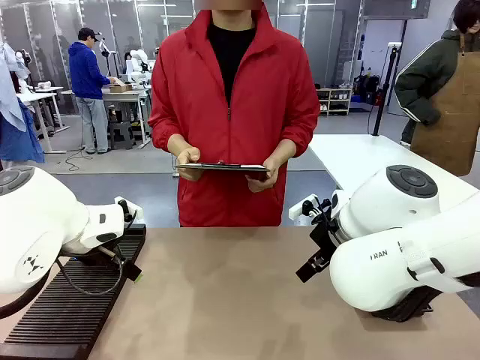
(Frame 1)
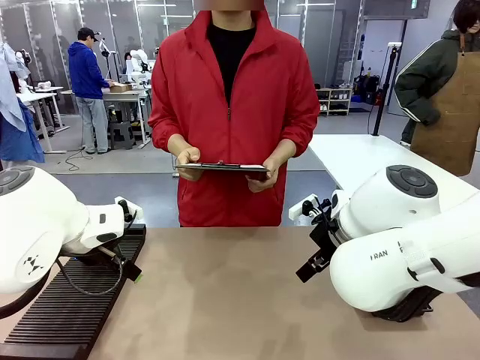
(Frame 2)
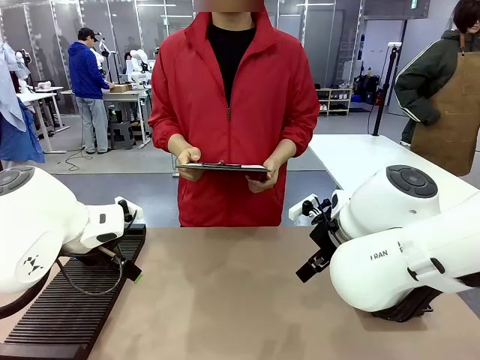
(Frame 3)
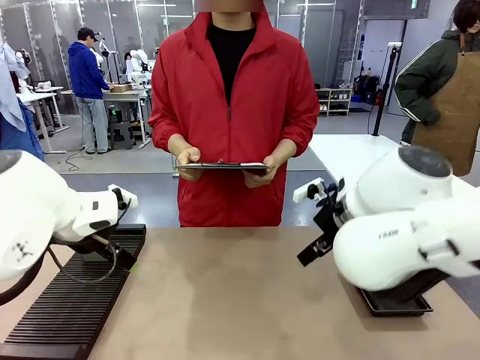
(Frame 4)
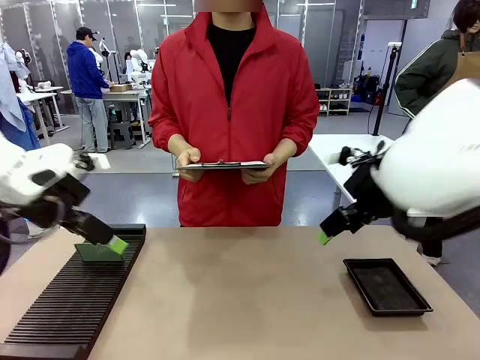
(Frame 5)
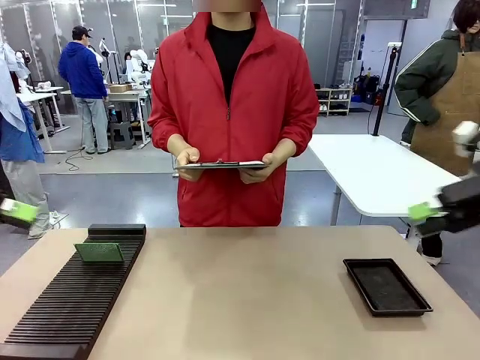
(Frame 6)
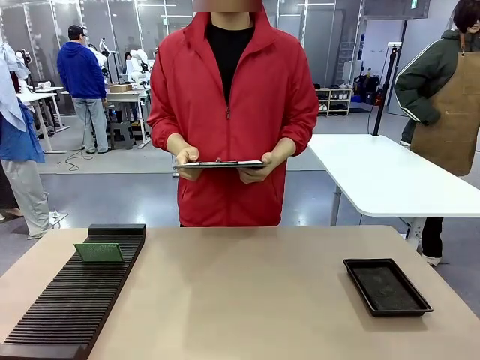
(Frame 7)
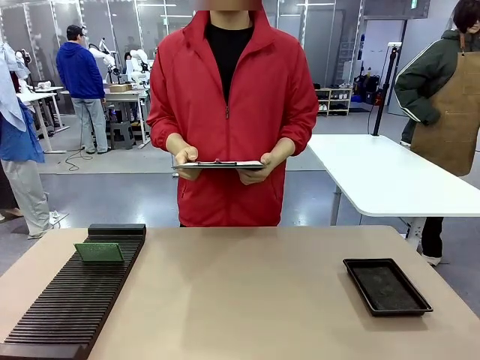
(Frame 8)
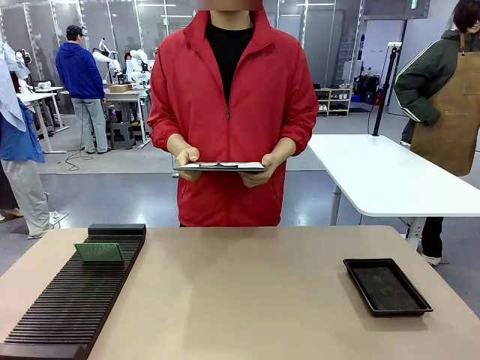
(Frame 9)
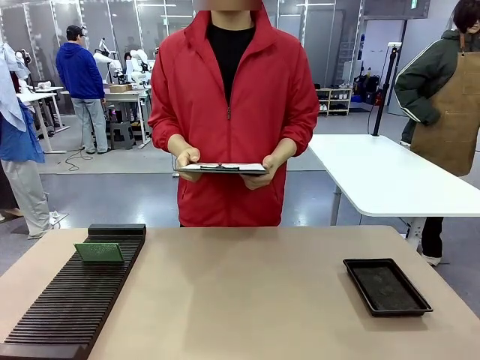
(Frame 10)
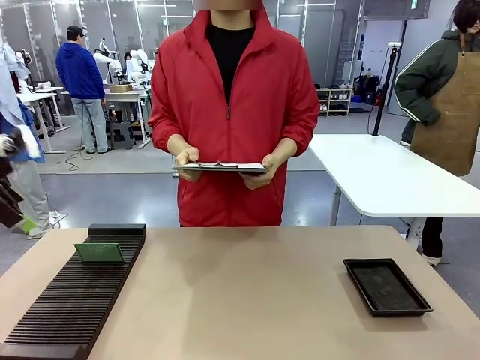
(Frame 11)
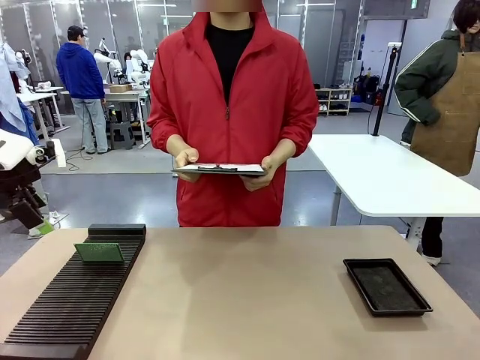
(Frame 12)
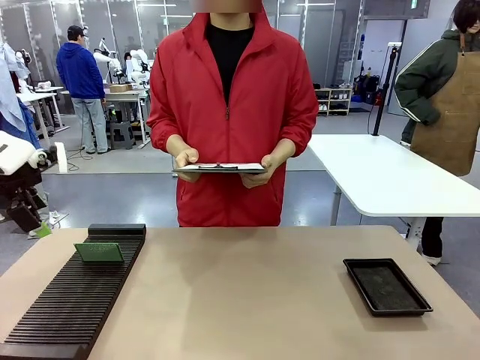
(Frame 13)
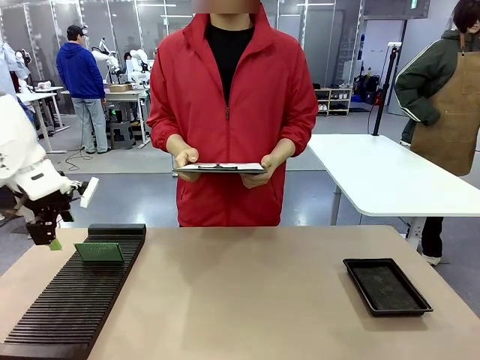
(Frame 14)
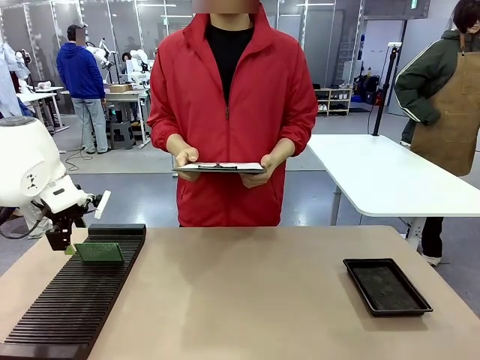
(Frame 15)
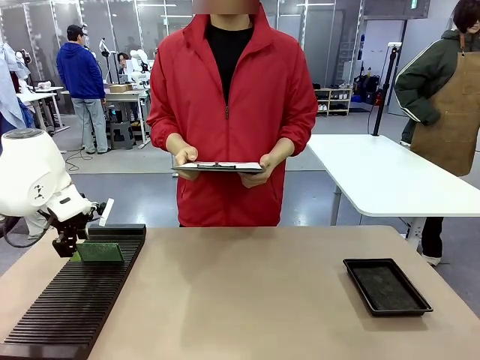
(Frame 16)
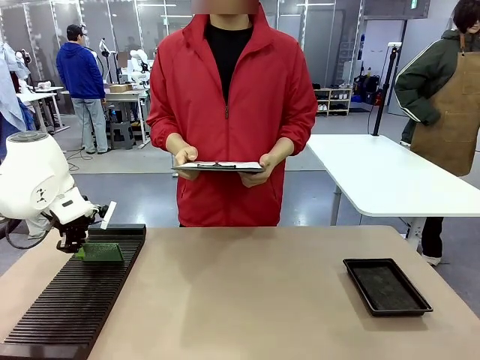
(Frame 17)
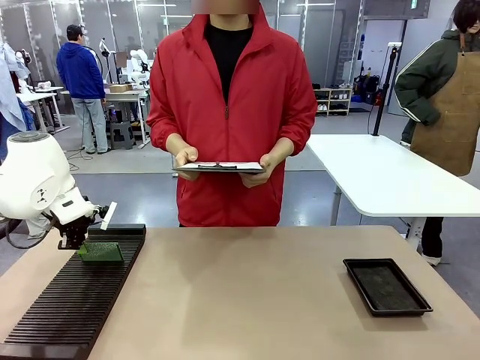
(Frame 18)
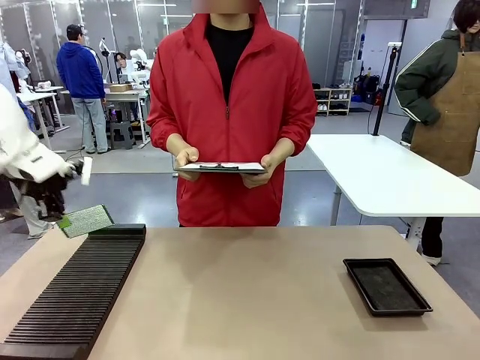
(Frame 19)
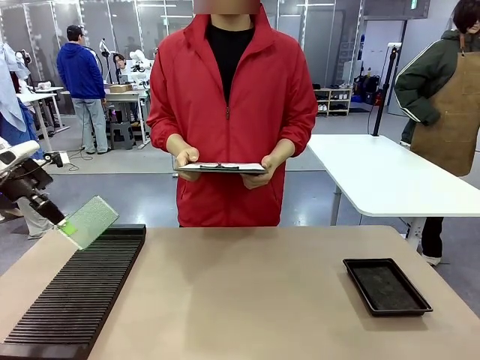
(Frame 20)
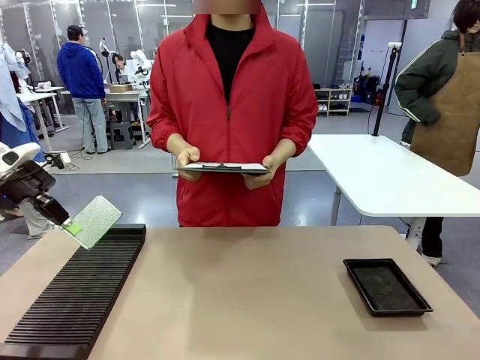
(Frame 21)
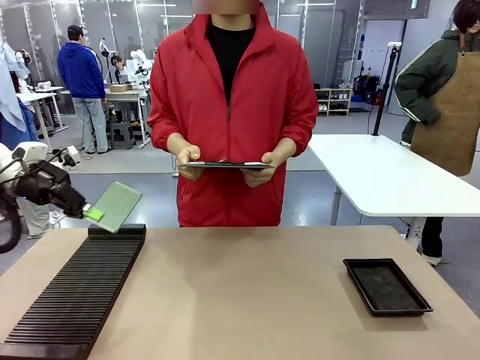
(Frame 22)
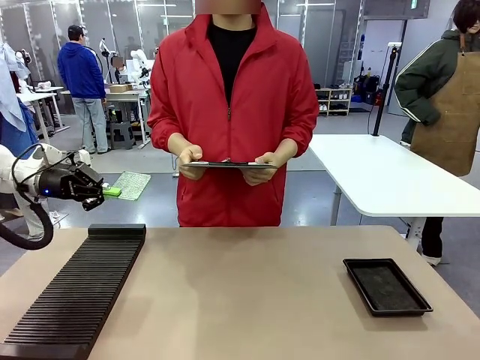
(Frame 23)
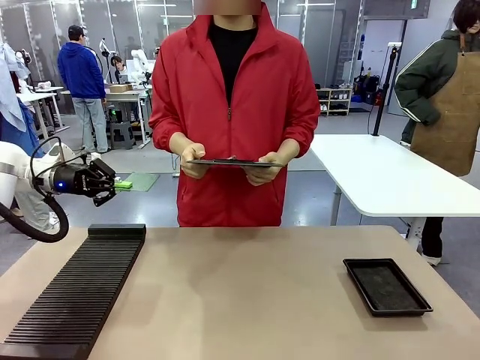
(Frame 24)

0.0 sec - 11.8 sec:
Task: Inspect the PCB.
Robot: Pick up the Blank PCB and present it to the human.
Person: Pick up the PCB presented by the robot.

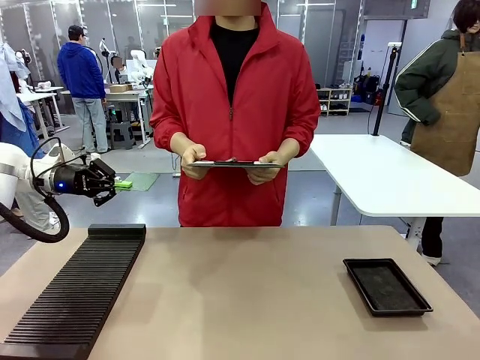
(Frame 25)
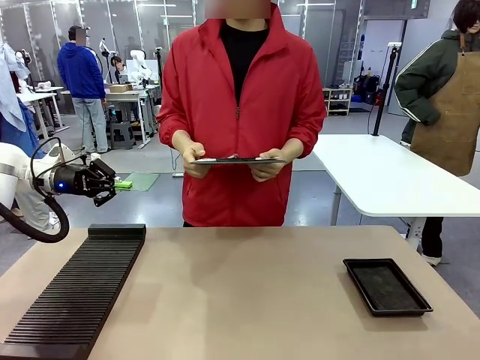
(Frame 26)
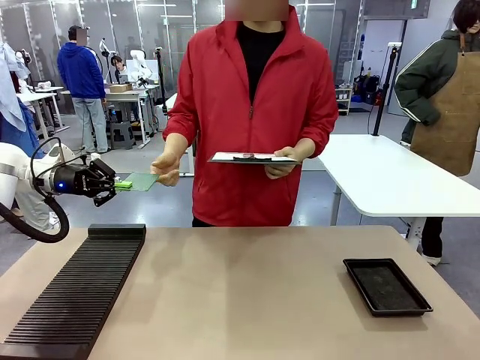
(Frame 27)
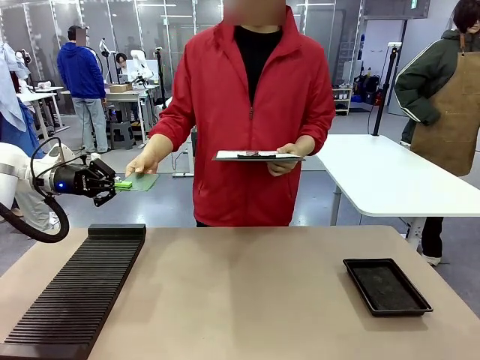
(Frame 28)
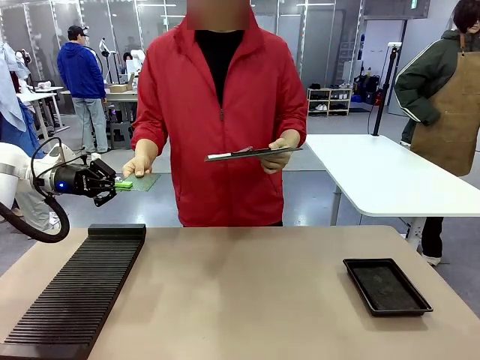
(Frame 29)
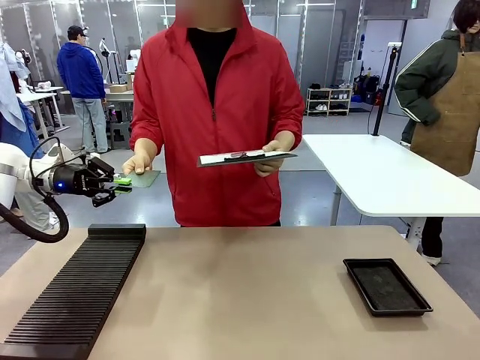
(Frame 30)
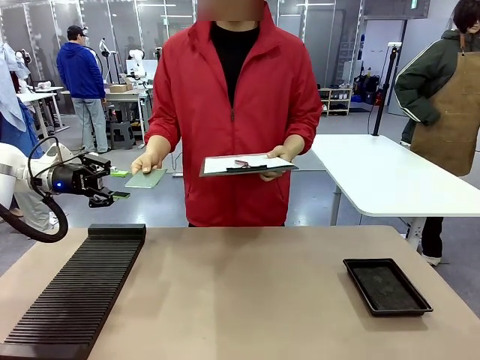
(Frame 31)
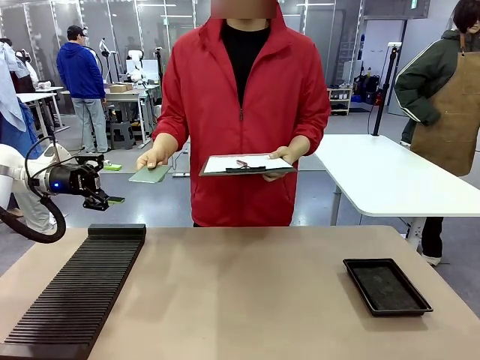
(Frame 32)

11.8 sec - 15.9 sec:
Robot: Release the Blank PCB you were holding.

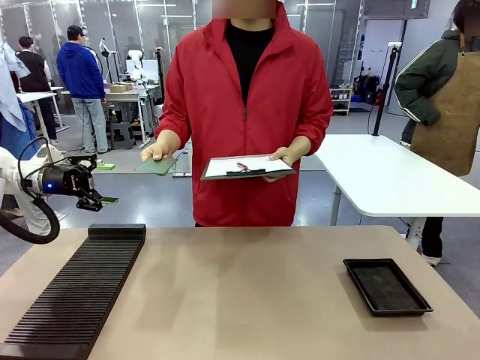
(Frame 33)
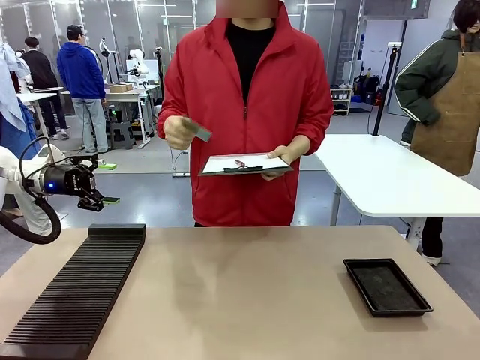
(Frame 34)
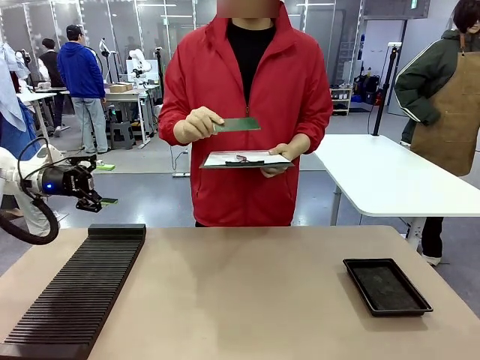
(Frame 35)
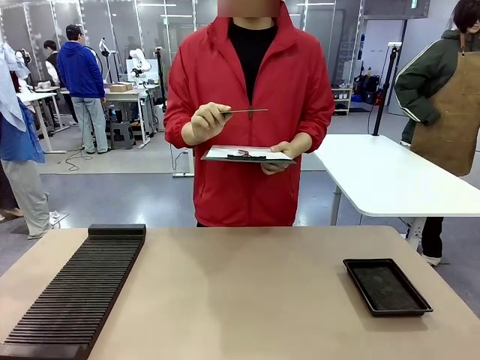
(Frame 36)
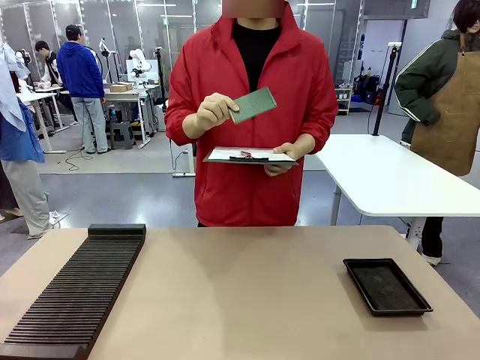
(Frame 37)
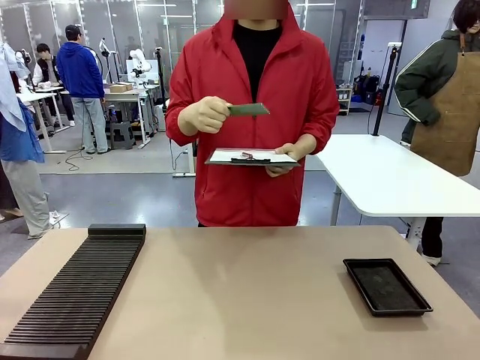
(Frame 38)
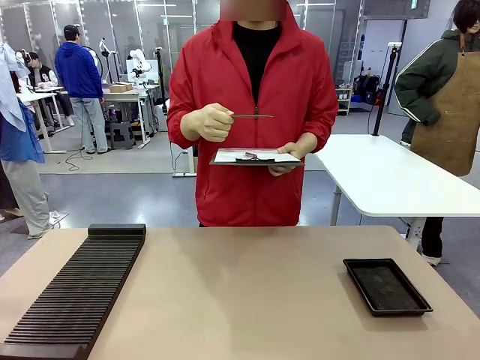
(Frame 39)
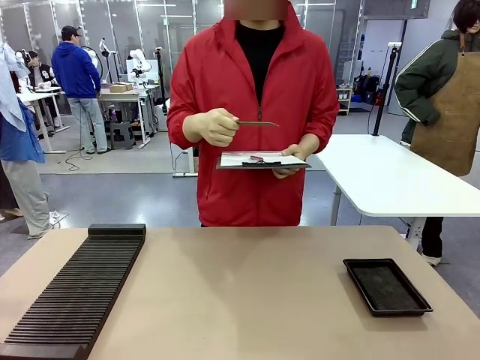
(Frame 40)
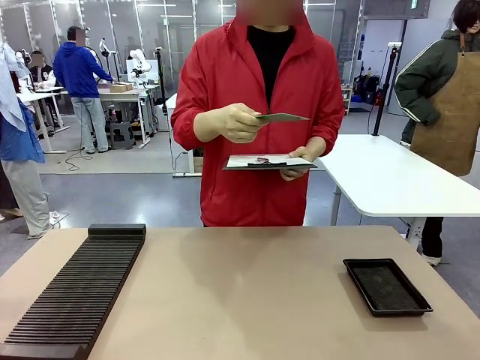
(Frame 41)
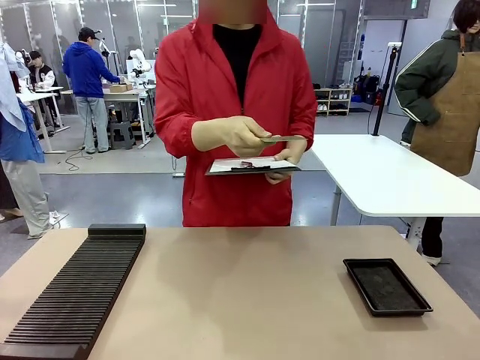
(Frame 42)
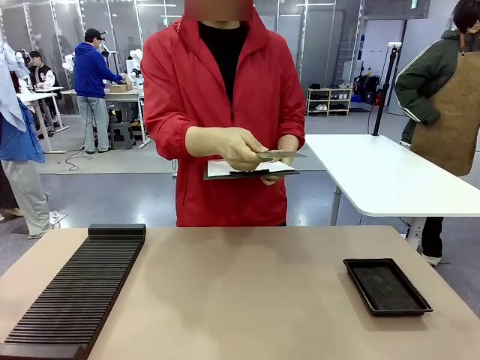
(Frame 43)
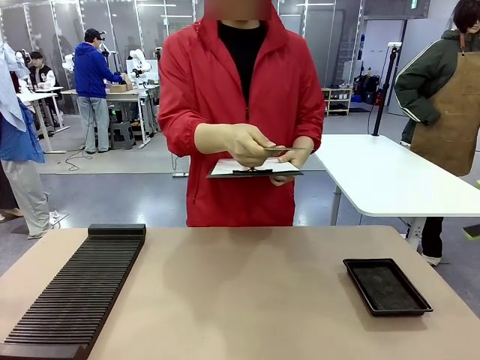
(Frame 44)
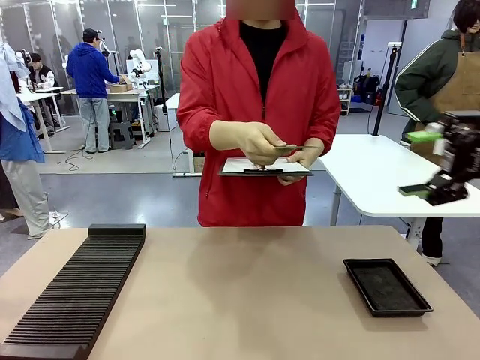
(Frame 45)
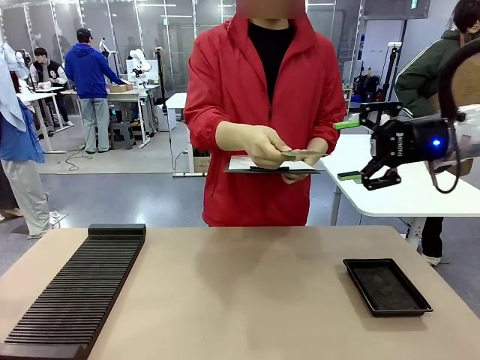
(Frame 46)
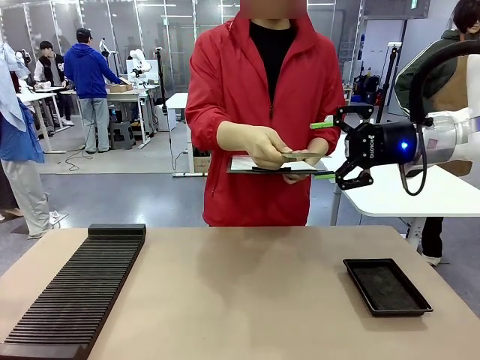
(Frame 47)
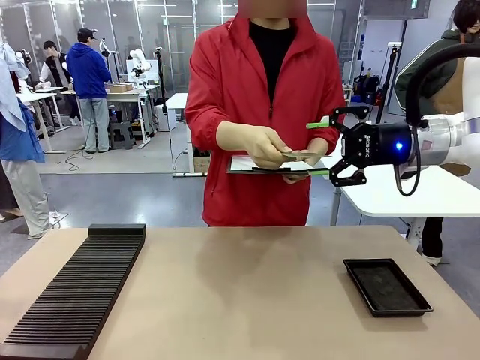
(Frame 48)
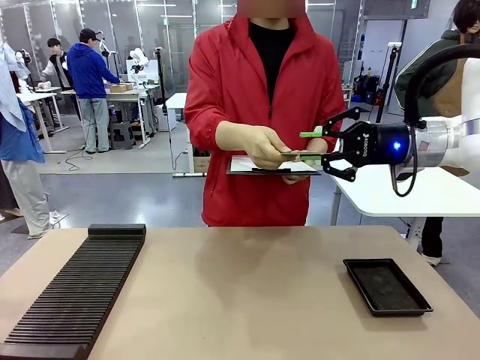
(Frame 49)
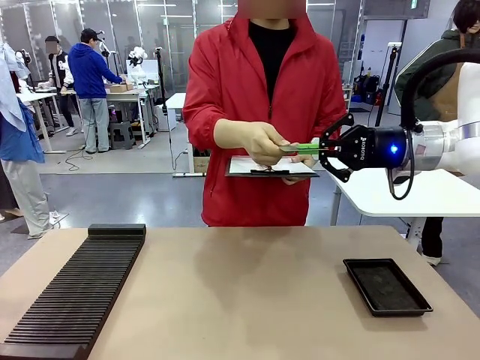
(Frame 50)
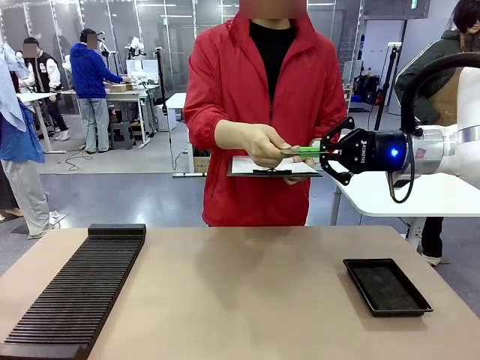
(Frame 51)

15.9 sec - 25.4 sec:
Robot: Pick up the Blank PCB that the human is holding.
Person: Inspect the PCB placed by the robot, then hold it out in front of the robot. Release the PCB you were holding.

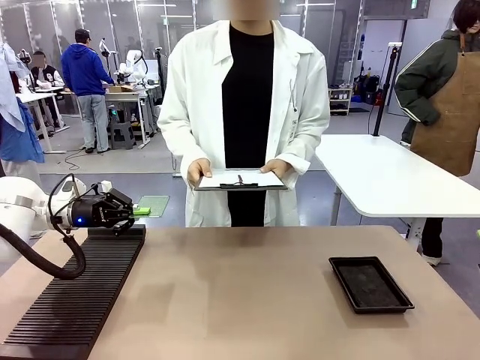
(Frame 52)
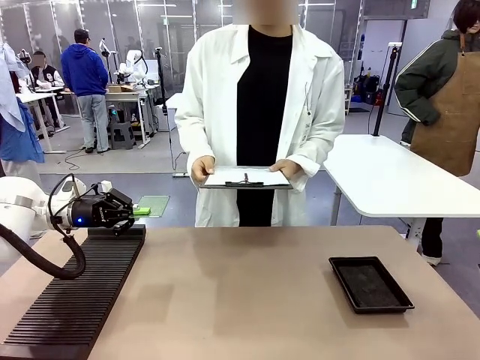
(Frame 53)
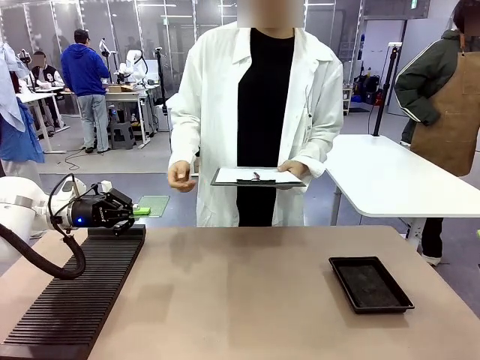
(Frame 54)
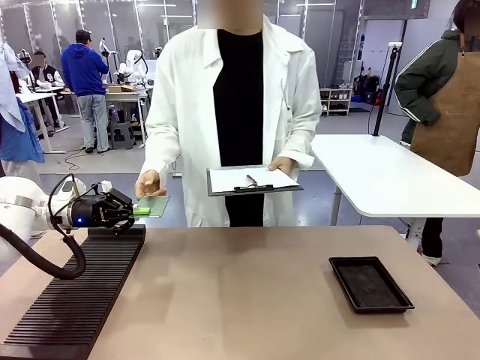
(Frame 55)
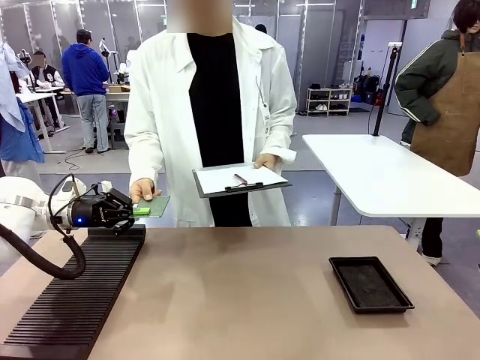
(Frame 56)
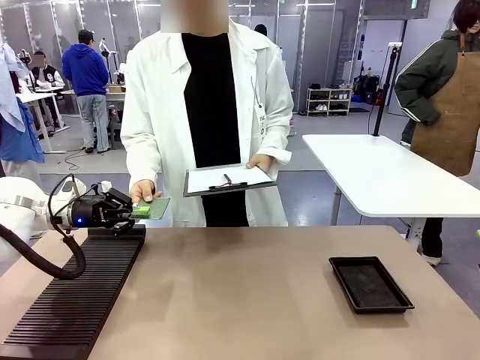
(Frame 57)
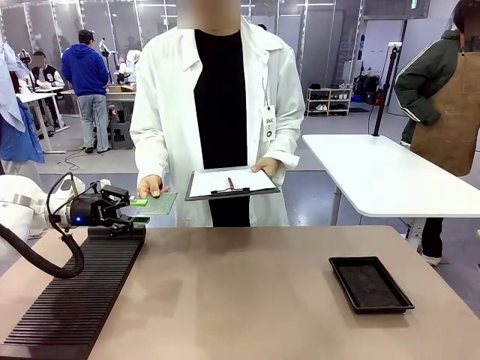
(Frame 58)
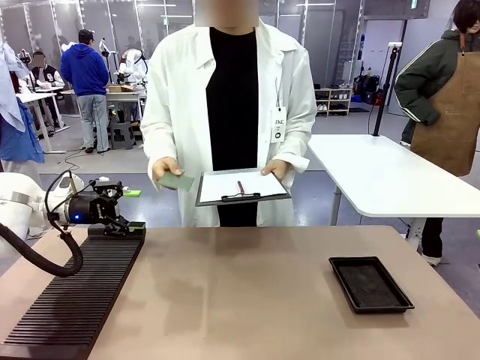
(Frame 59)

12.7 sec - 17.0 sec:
Task: Inspect the PCB.
Robot: Release the Blank PCB you were holding.
